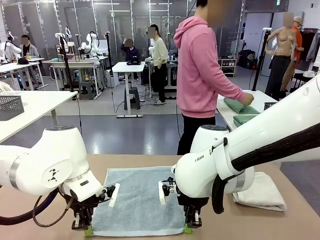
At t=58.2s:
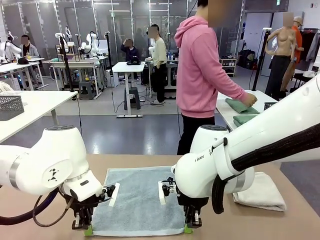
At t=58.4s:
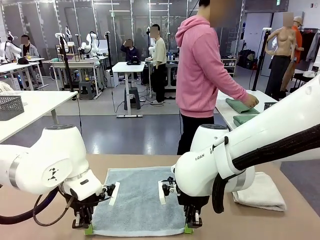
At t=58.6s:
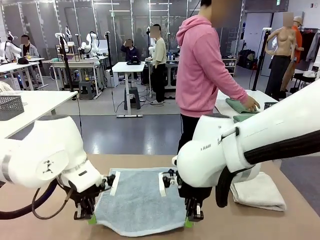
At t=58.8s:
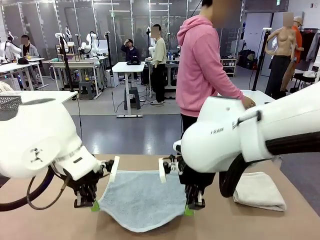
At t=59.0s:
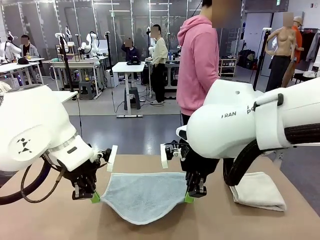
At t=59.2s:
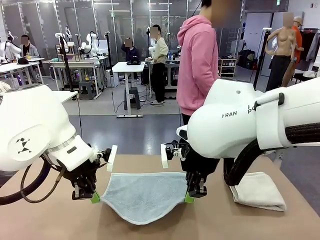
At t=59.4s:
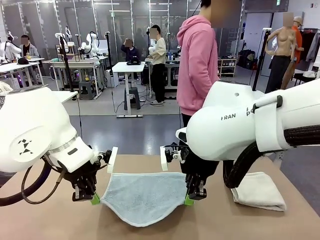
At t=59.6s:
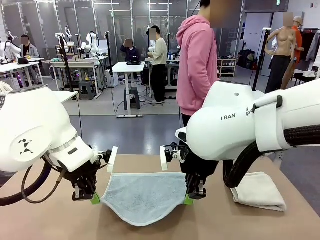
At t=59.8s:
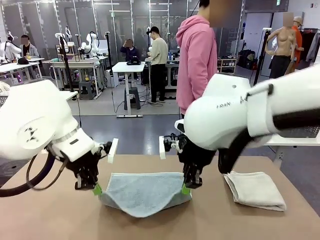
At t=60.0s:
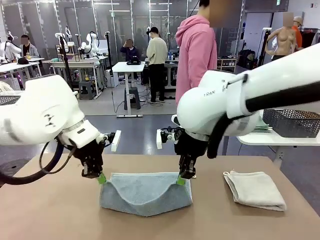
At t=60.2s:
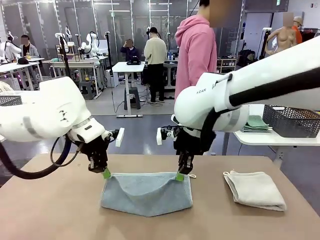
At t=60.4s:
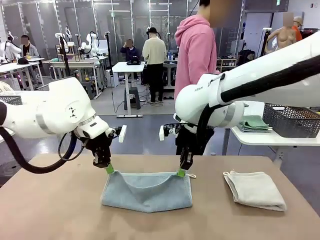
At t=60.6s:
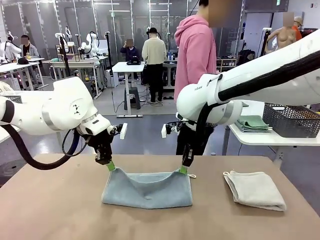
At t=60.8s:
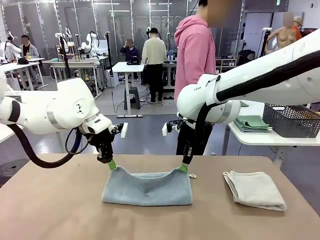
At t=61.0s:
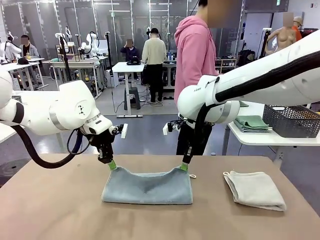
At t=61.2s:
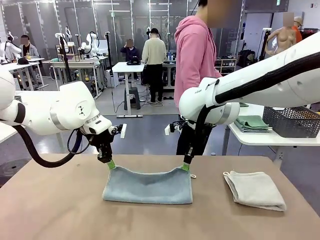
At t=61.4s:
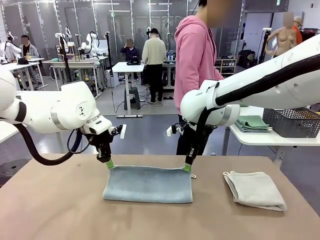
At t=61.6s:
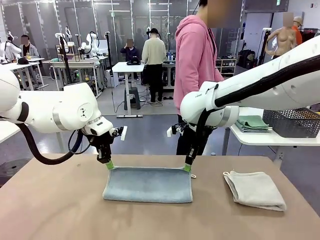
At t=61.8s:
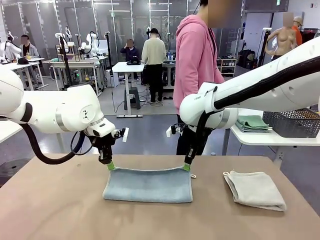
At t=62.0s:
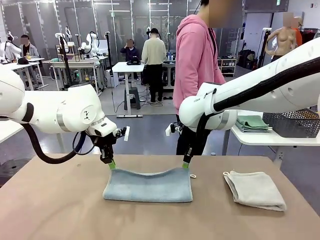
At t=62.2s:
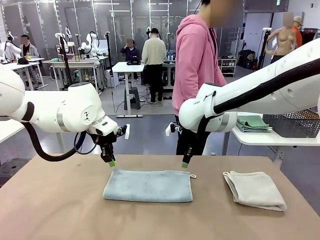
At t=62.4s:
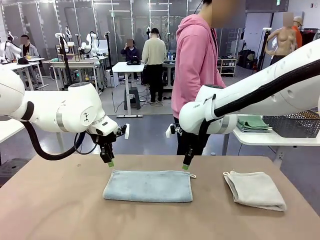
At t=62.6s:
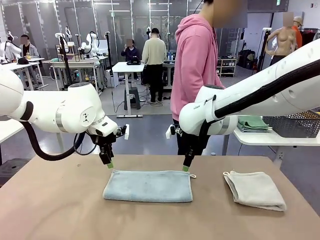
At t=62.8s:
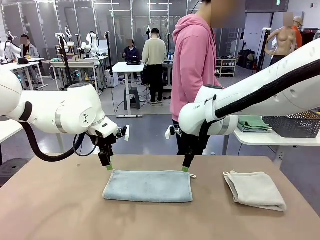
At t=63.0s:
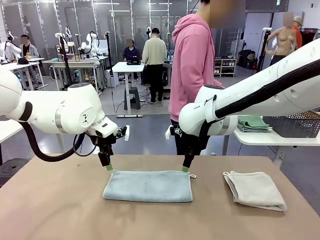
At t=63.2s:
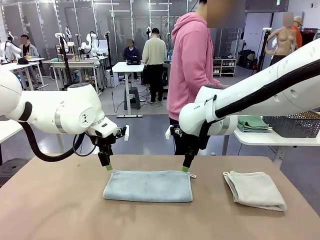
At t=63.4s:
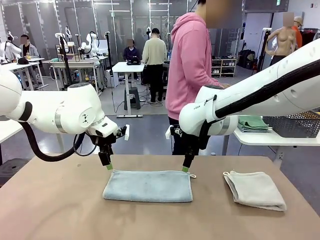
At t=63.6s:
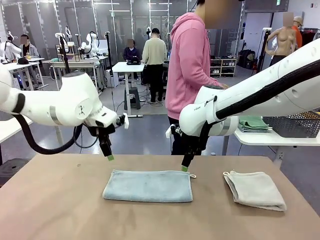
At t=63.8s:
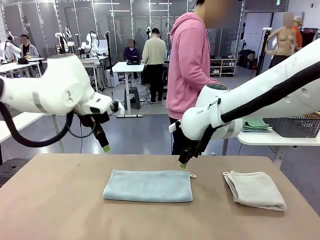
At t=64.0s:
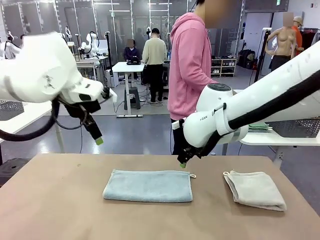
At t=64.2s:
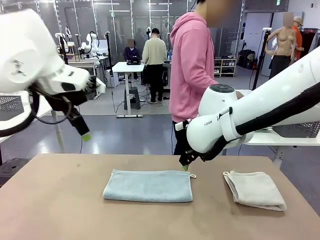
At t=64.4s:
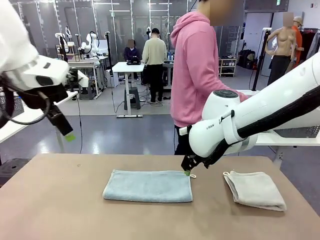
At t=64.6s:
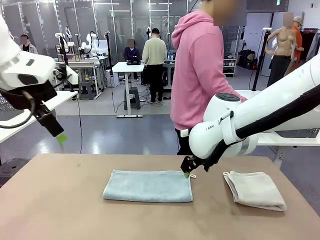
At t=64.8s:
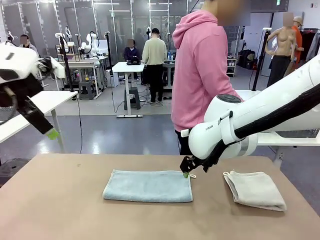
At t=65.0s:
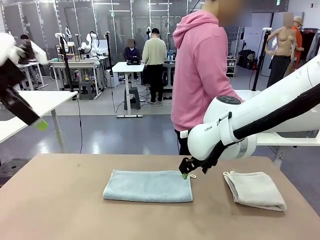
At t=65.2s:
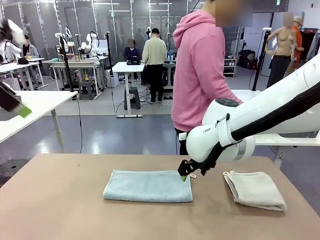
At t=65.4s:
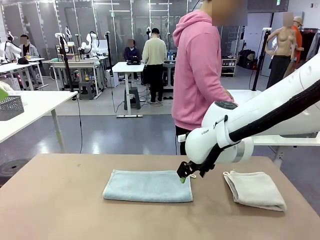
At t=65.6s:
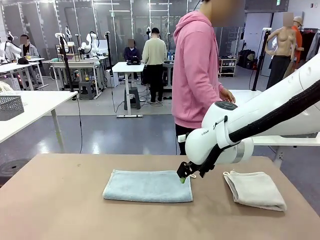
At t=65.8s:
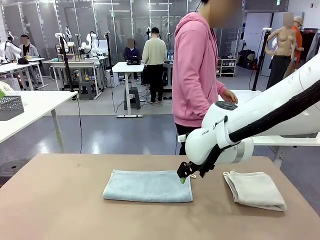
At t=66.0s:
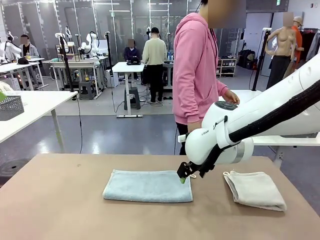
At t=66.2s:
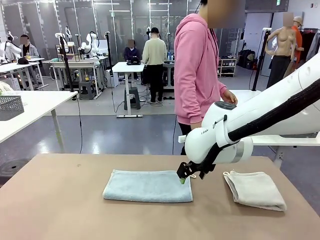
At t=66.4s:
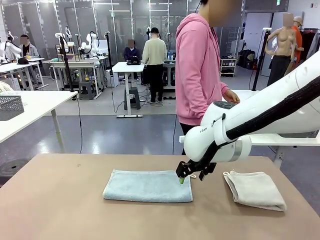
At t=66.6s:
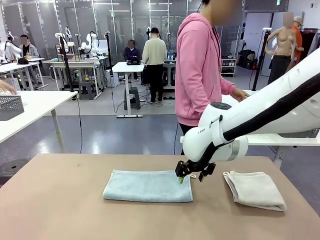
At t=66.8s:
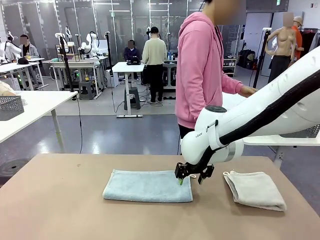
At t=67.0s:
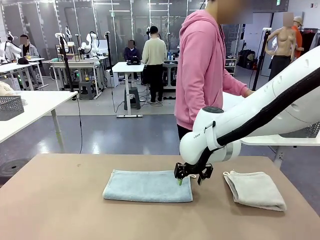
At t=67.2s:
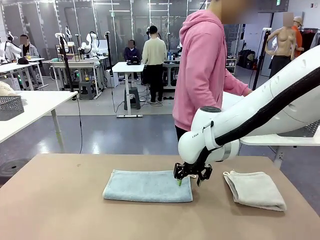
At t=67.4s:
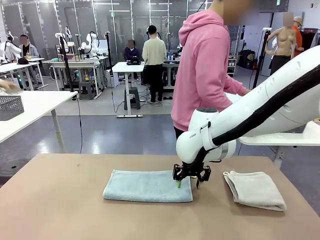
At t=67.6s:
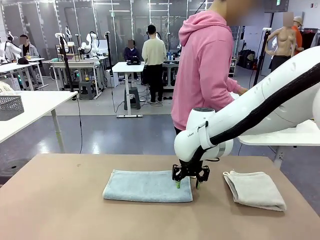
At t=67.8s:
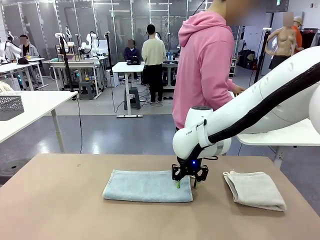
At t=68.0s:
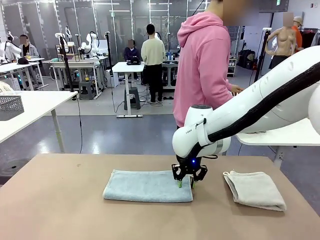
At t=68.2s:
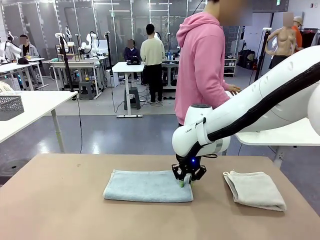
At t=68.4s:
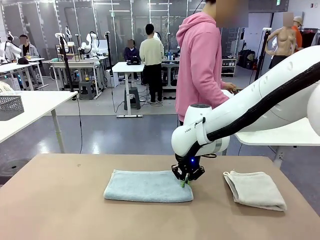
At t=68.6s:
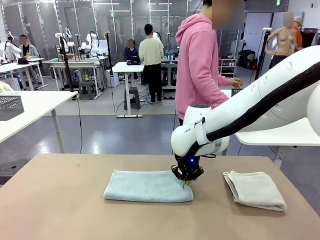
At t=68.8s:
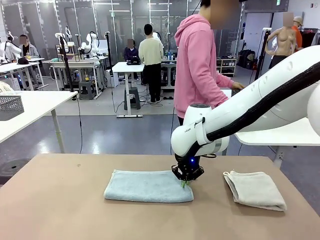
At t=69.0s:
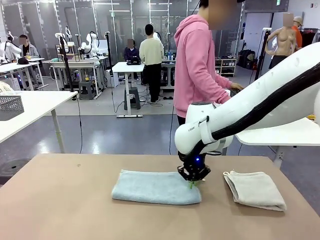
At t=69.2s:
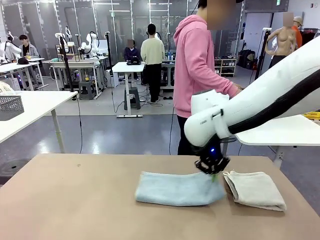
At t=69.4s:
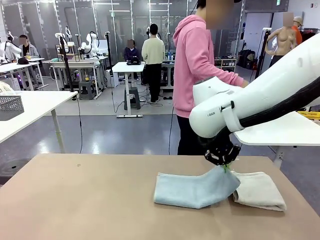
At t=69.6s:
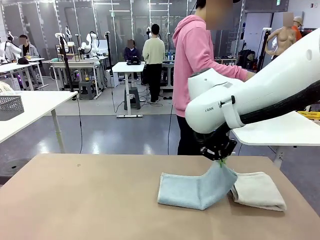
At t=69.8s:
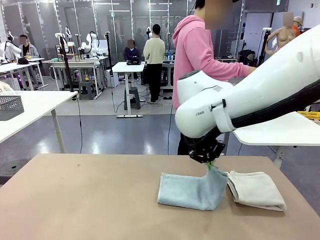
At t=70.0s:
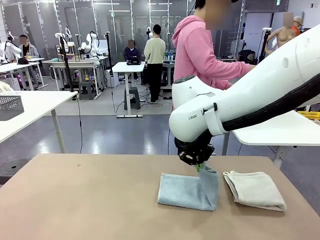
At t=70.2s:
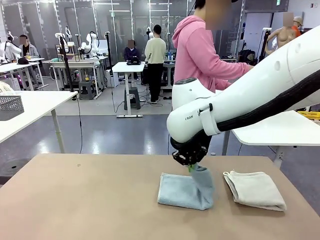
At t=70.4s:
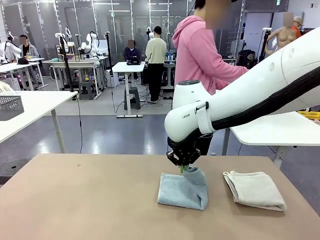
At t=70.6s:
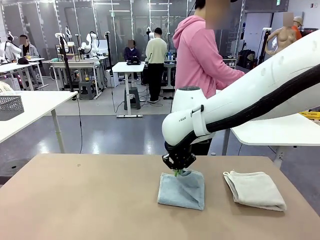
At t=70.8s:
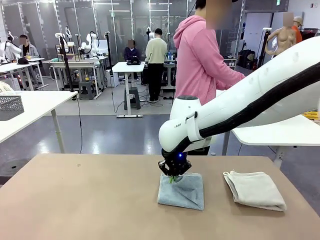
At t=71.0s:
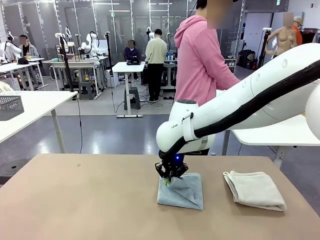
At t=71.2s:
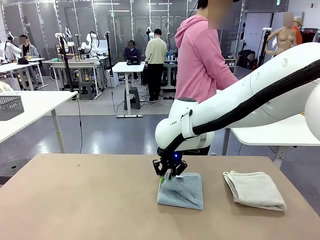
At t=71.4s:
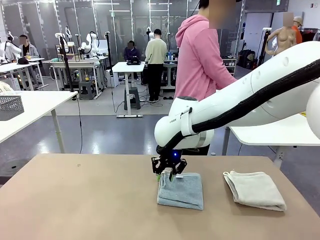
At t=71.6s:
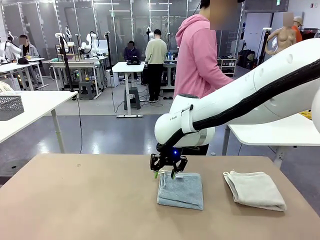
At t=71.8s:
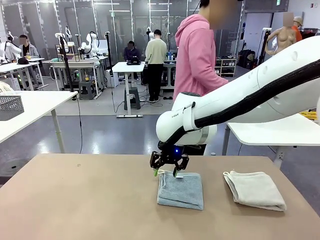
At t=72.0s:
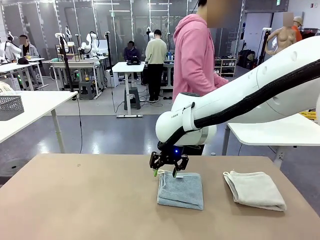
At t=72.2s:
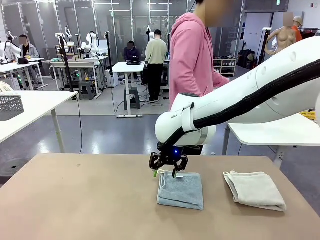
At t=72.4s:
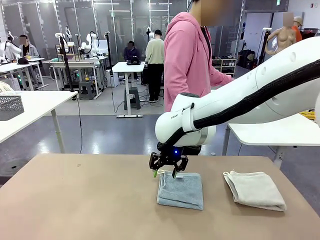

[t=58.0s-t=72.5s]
Task: Fold the towels and place them in the basket.
Robot: When a person lays out a Towel with hook on the table, fold it in half twice.
Person: Pick up the stack of towels from the right side of the human table, place it into the basket, and put the basket at the center of the table.
